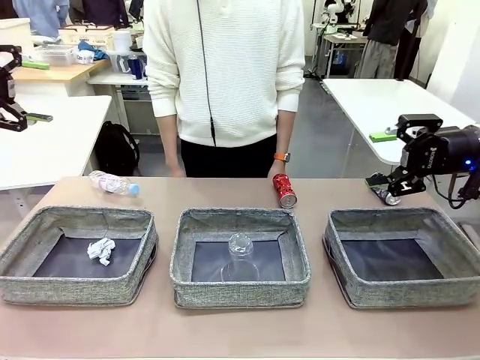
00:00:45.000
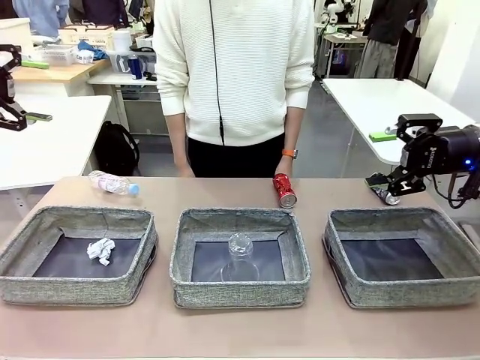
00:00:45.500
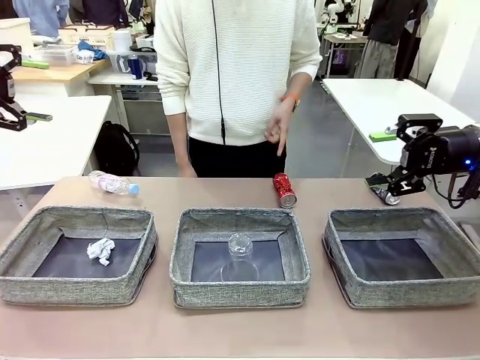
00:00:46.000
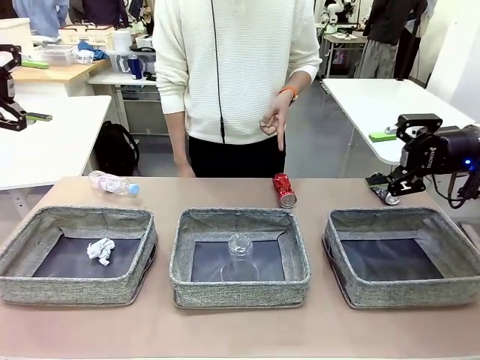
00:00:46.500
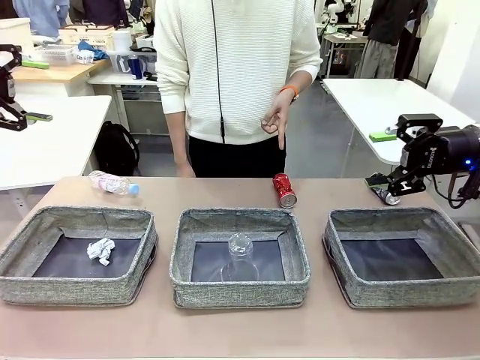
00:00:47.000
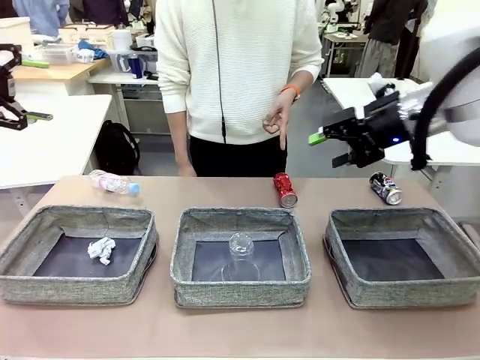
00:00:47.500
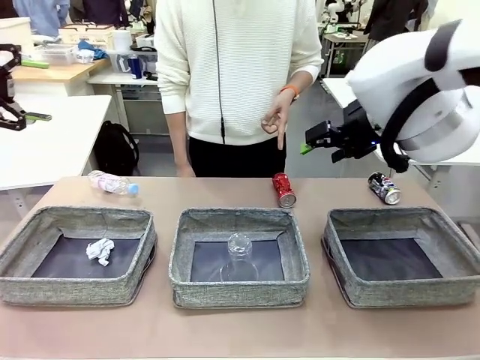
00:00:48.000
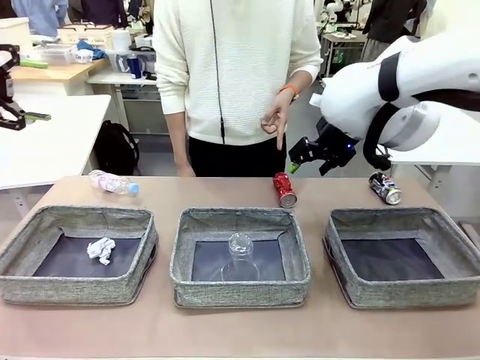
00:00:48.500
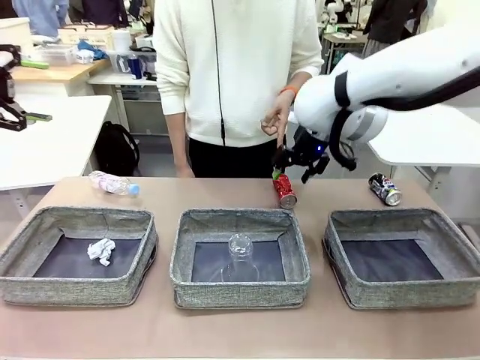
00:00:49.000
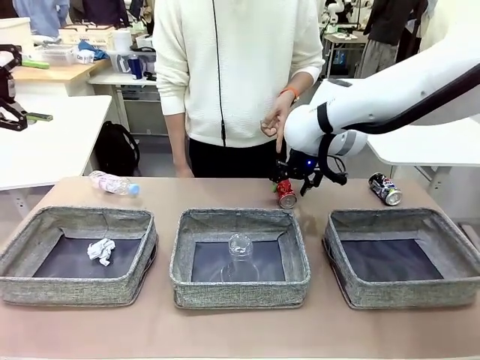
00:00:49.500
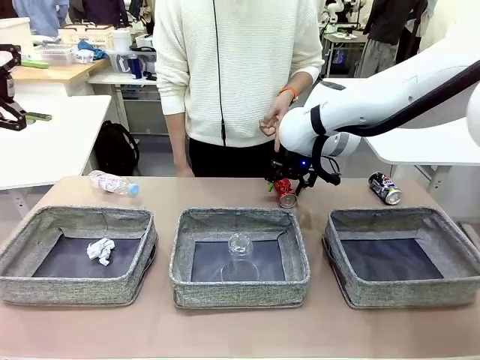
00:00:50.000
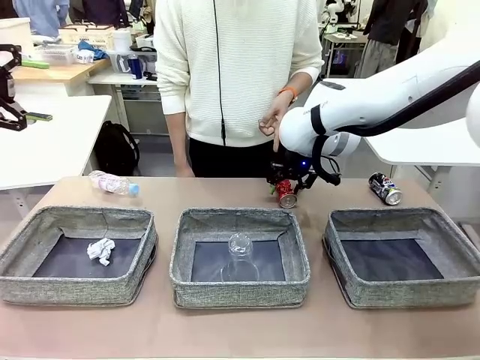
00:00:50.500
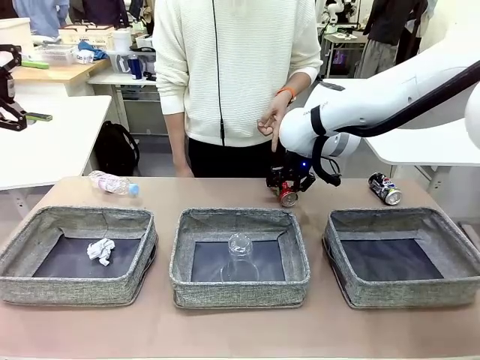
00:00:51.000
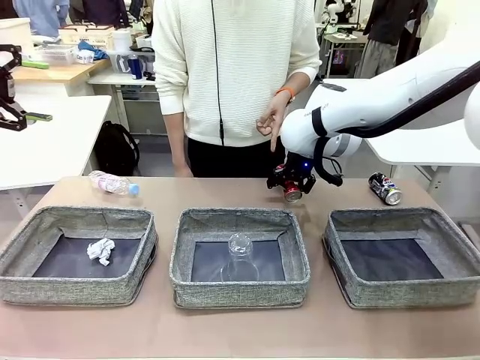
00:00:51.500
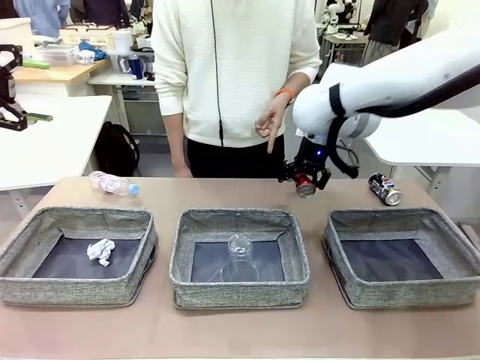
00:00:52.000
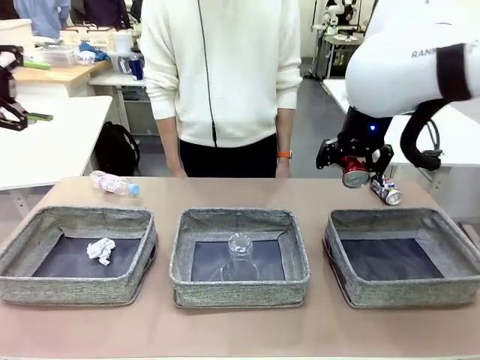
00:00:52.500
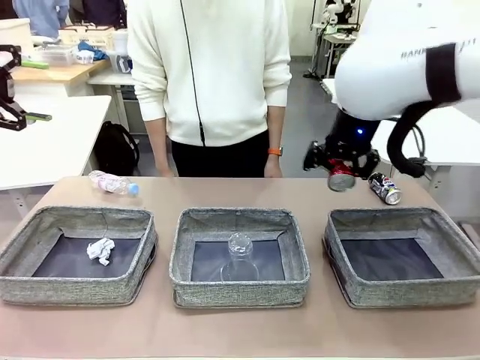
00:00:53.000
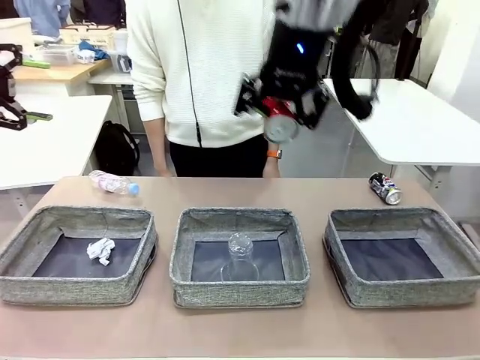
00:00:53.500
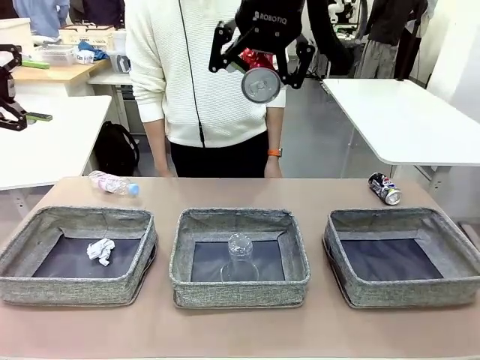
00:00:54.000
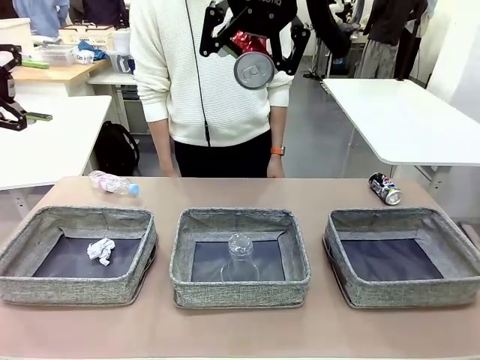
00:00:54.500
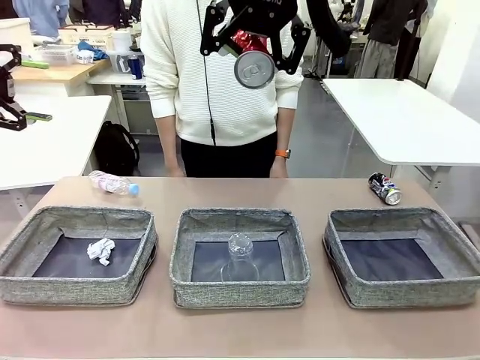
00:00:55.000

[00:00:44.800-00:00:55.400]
Task: Sort the waste into the appropriate baskets.
Robot: Pick up the waste item pointed out by the person.
Person: Points to one piece of trash on the table.

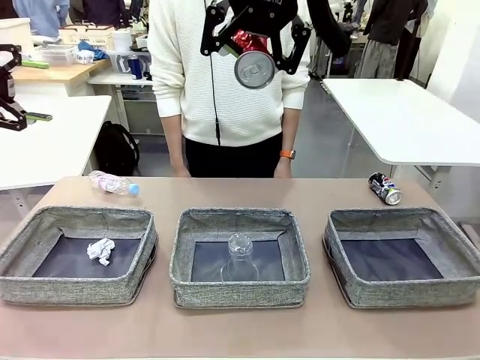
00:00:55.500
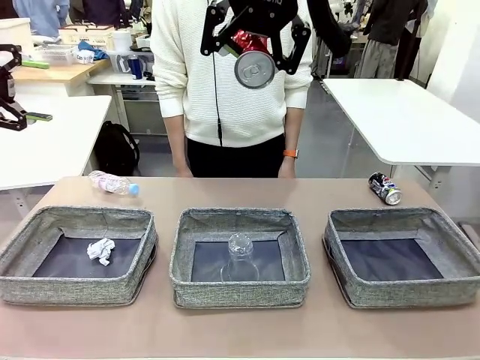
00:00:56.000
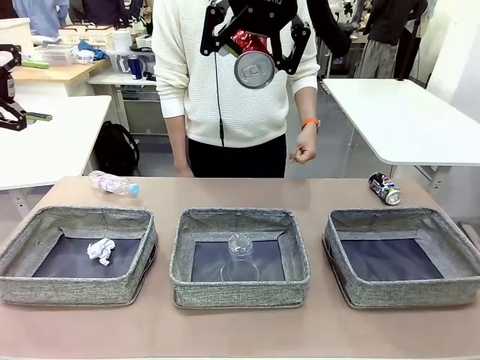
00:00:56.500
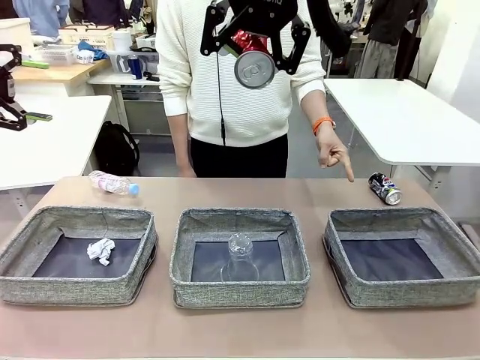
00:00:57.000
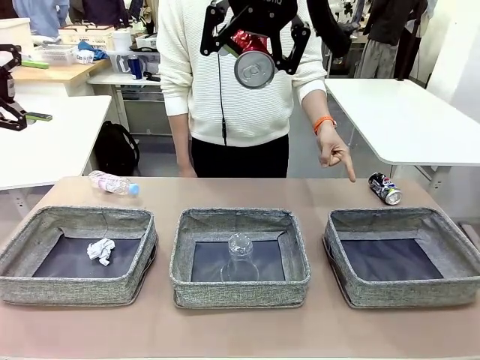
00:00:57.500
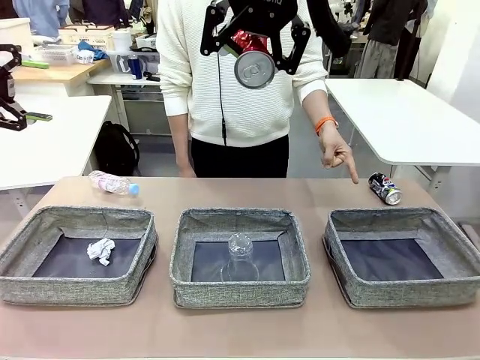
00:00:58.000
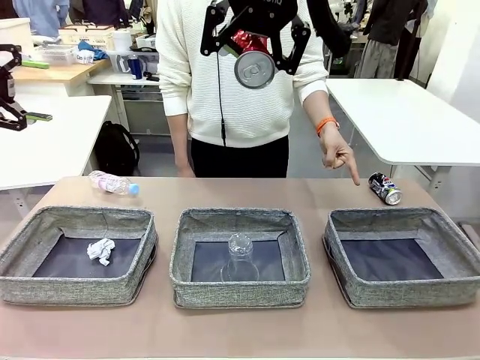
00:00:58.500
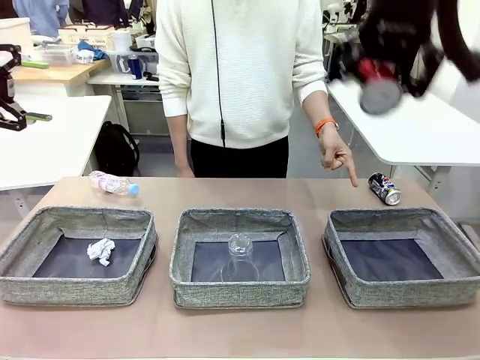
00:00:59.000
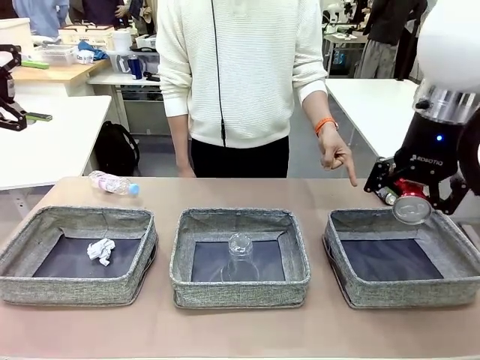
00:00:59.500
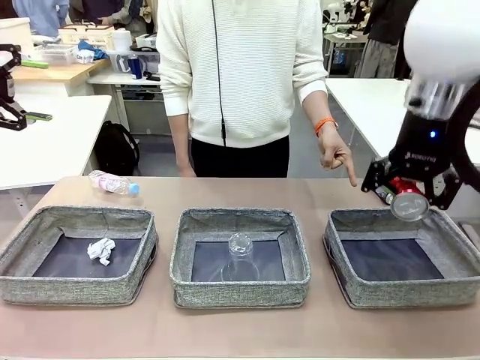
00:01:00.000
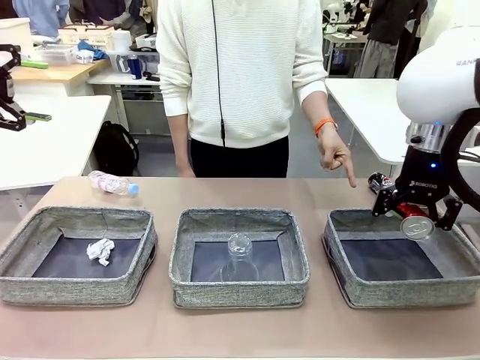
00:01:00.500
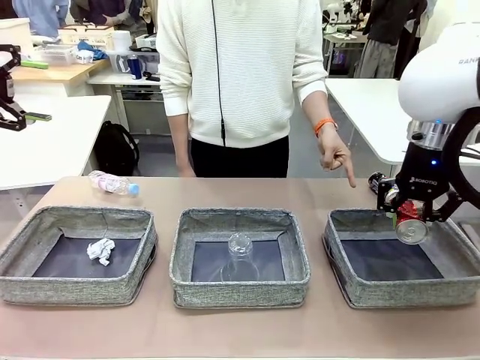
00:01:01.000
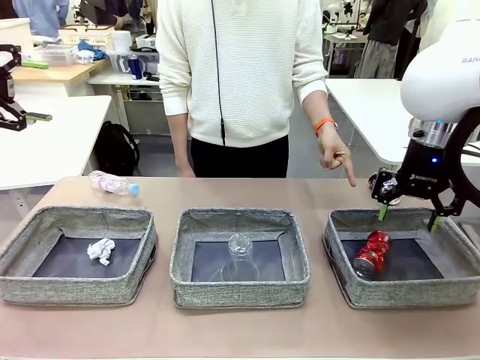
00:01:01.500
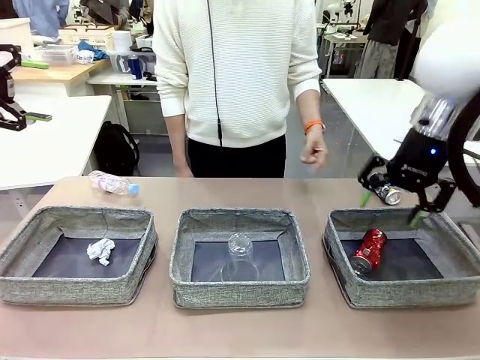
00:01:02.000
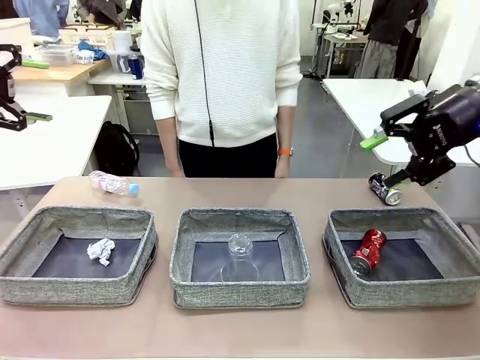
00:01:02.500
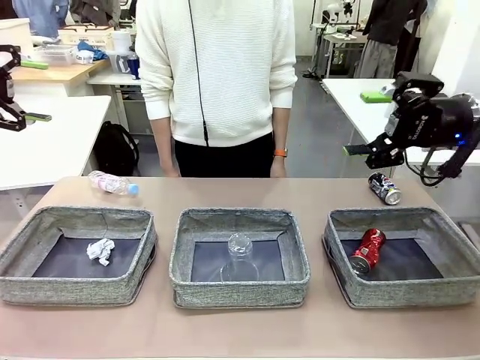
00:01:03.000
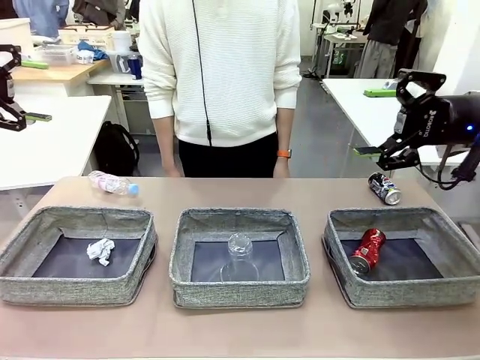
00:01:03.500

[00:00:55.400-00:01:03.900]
Robot: Place the picked waste into the Fabric basket indicated by the person.
Person: Instructs the robot to place the picked-up trash into the appropriate organizing basket.

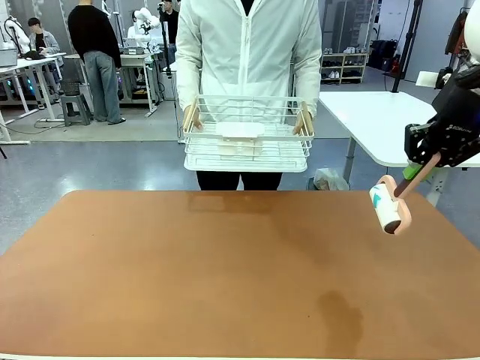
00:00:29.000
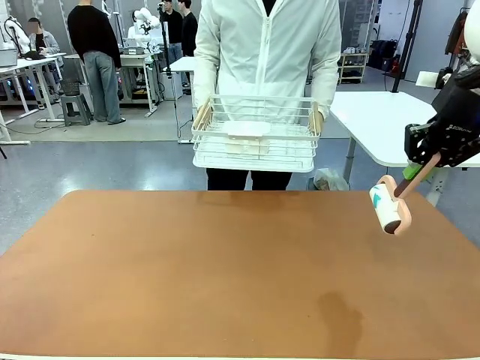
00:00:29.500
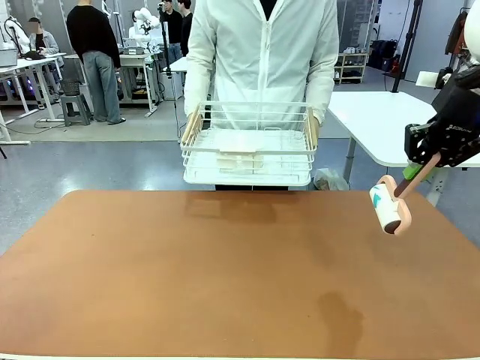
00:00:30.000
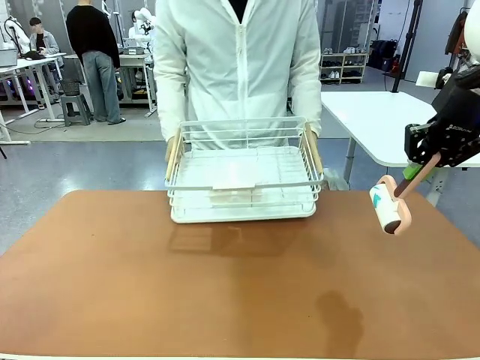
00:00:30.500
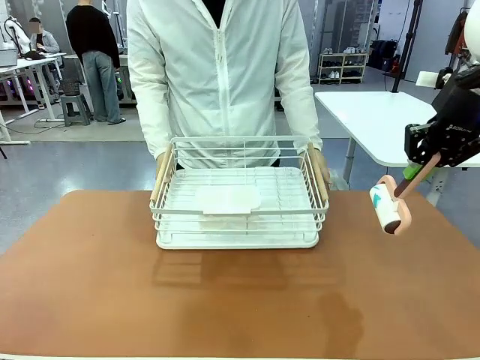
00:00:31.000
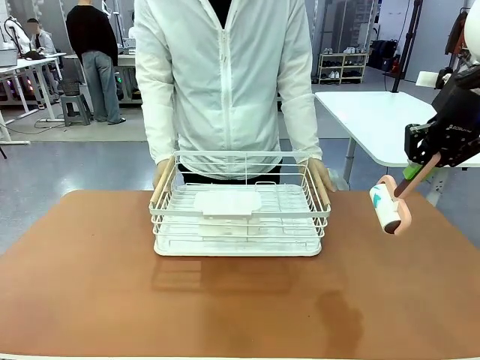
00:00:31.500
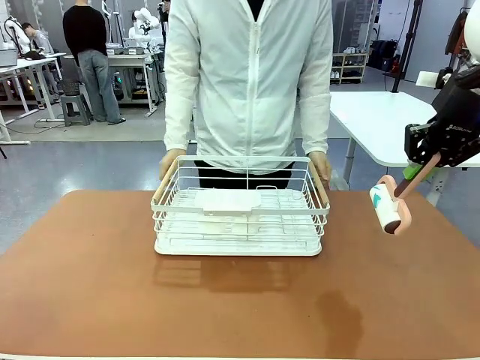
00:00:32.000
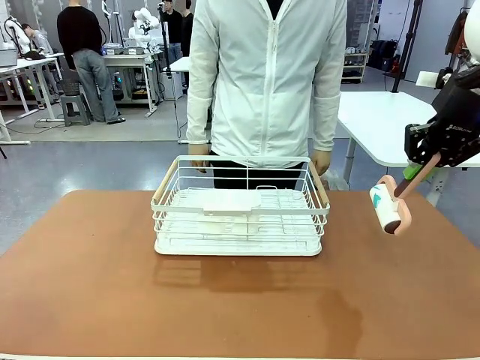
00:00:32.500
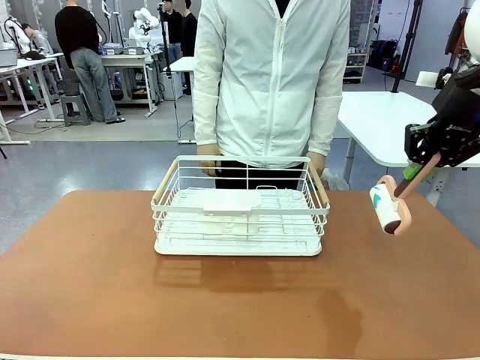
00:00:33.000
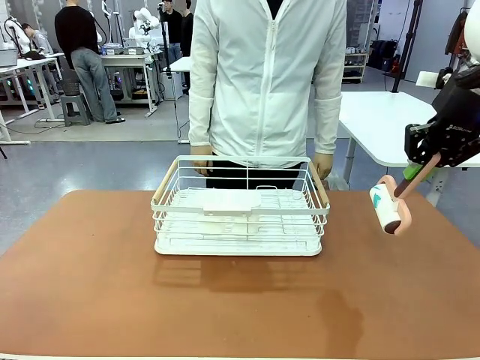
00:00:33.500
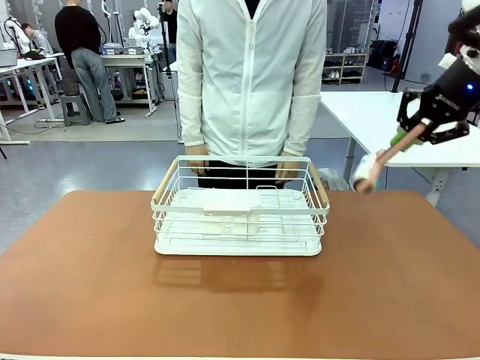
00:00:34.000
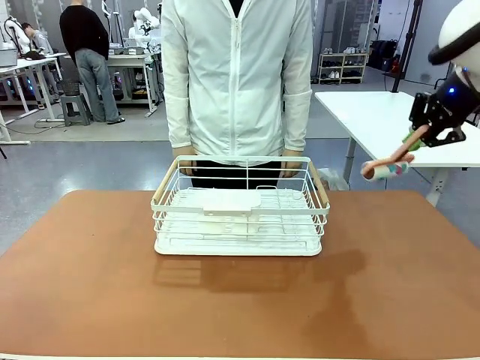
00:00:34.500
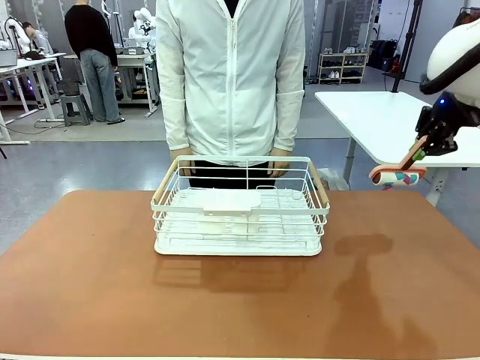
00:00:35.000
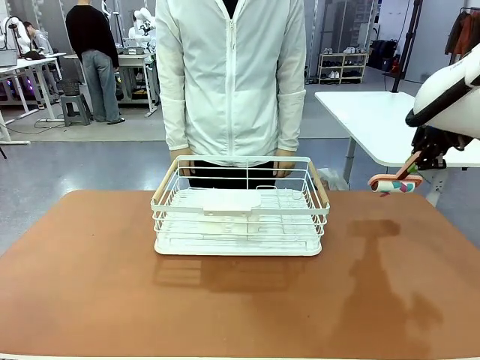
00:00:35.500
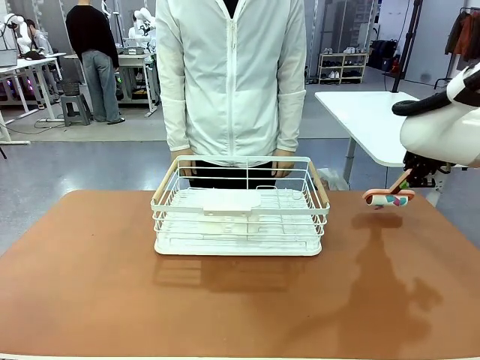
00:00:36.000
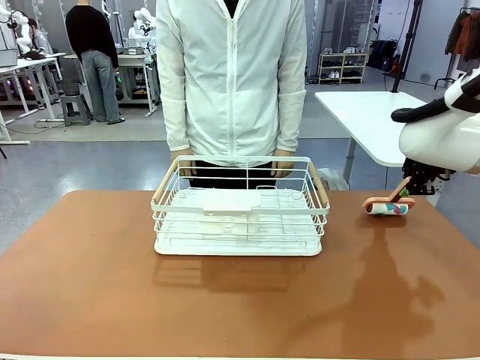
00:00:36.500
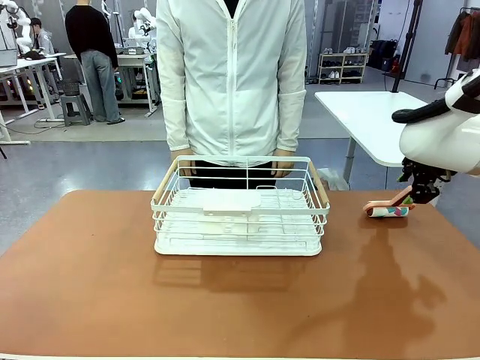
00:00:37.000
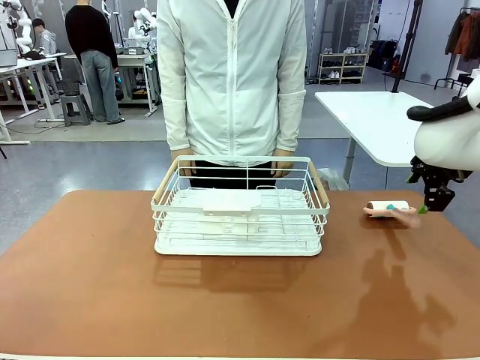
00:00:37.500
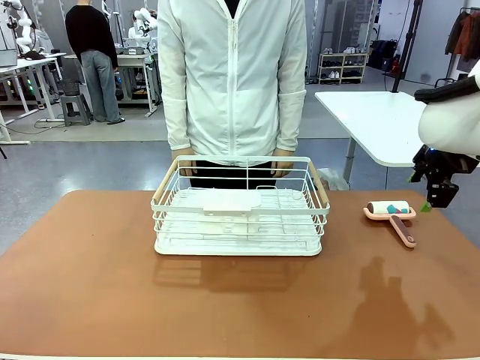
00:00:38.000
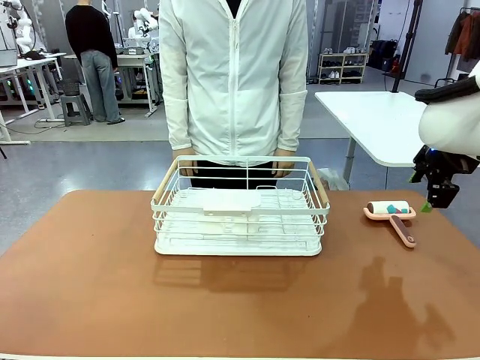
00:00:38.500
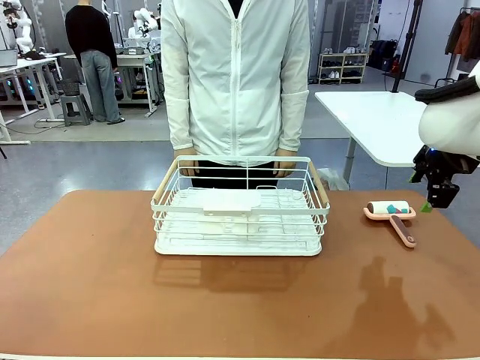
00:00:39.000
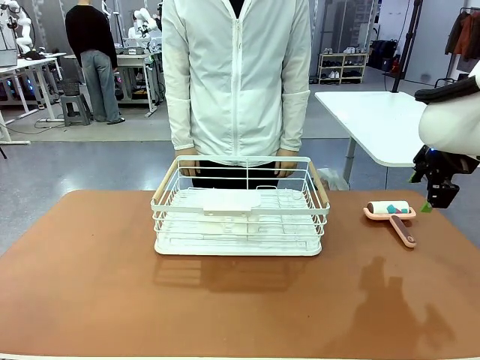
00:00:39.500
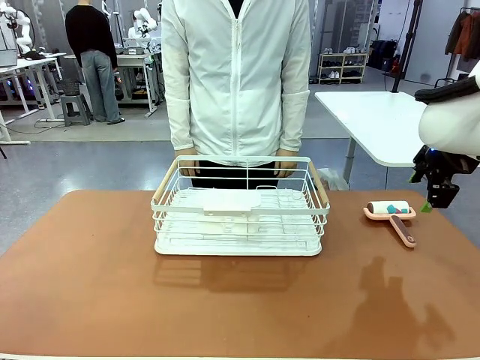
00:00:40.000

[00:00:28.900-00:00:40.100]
Task: Clean the table.
Robot: Place the Lint Roller down when the Dish drying rack is positioned in the middle of the table.
Person: Place the Dish drying rack down when the robot finishes cleaning.
